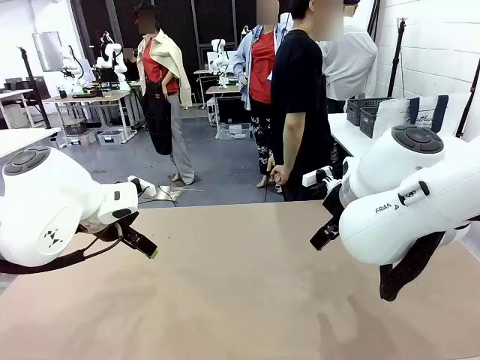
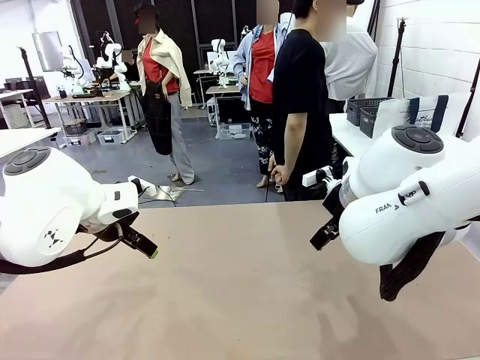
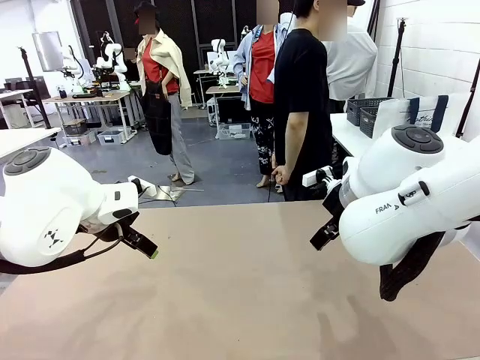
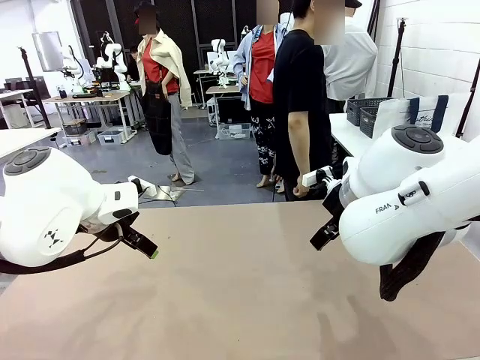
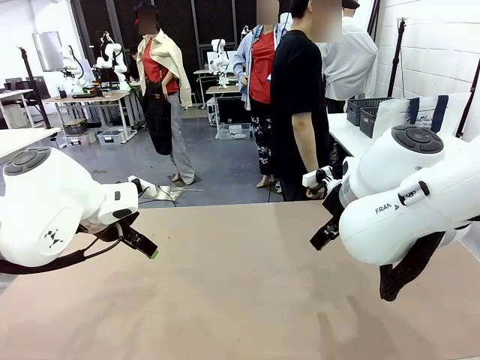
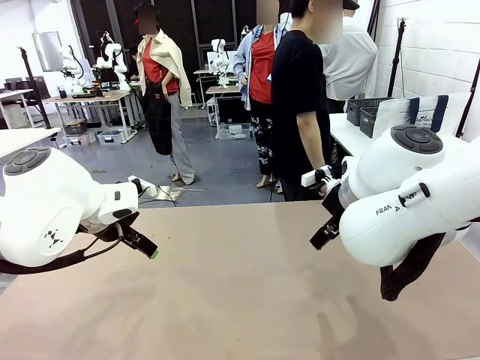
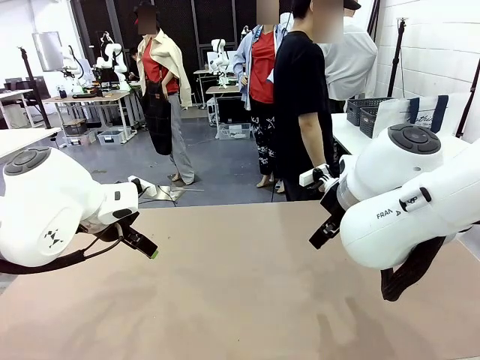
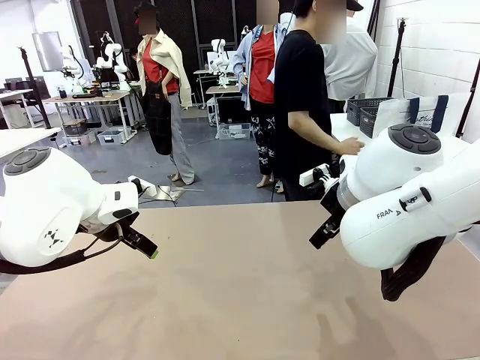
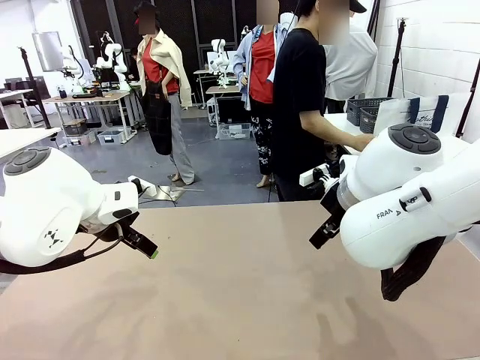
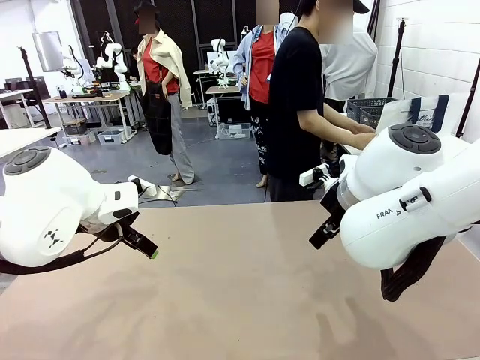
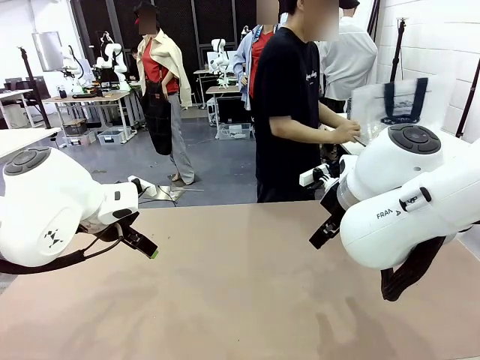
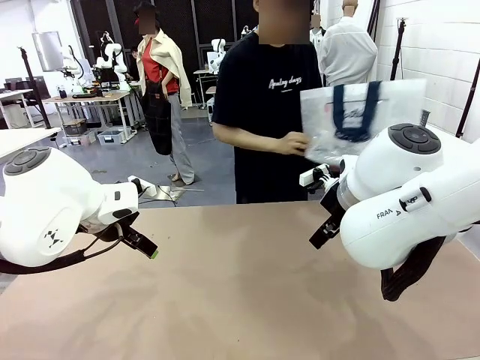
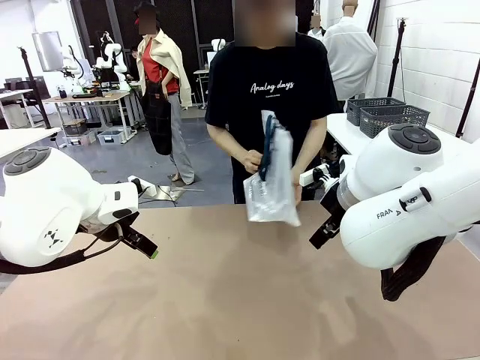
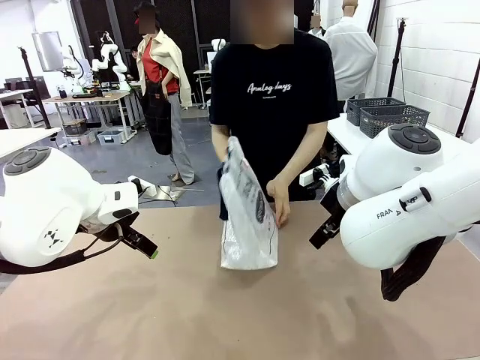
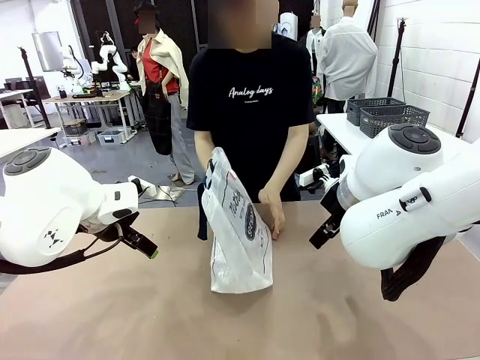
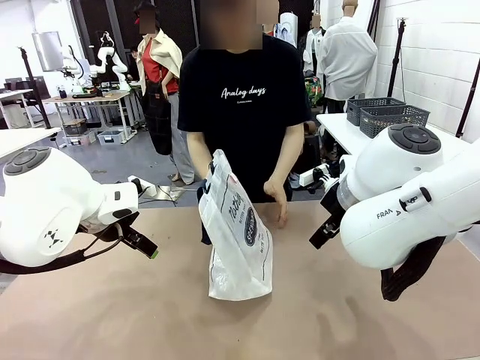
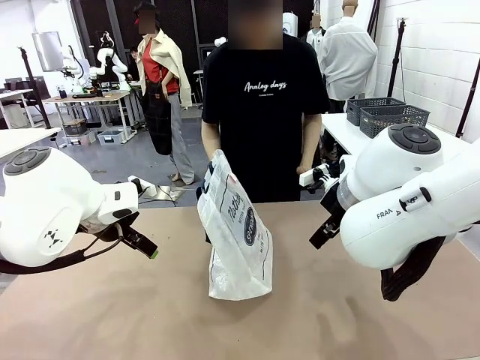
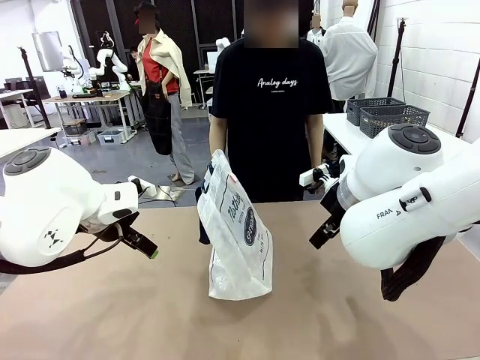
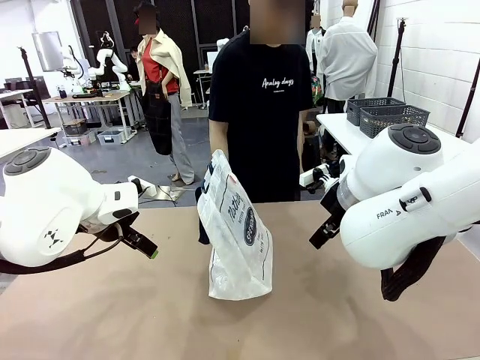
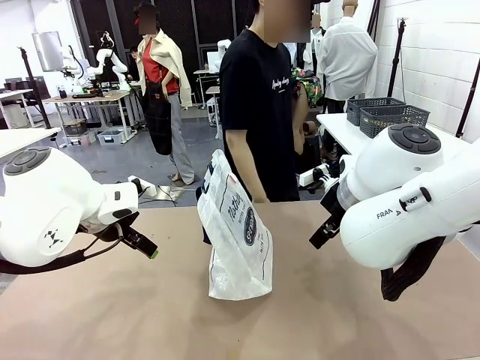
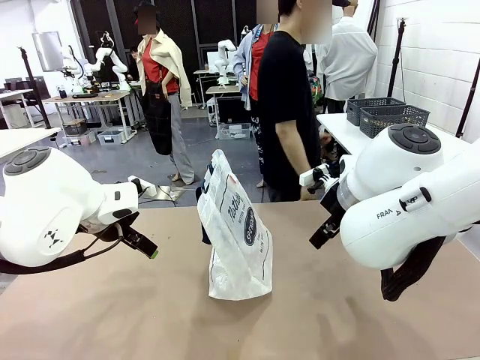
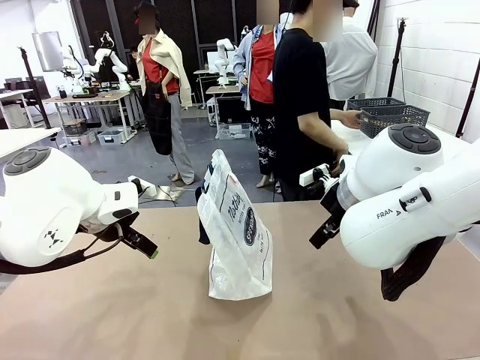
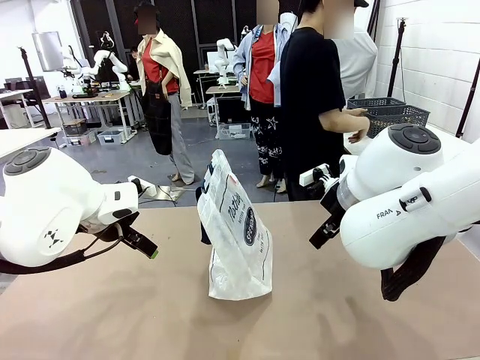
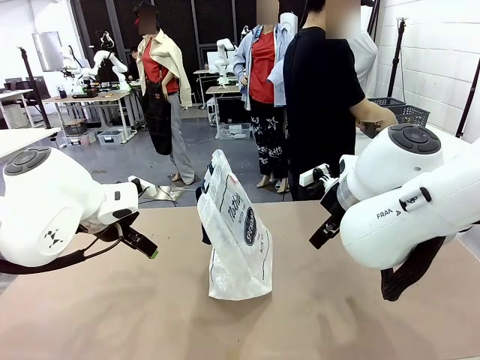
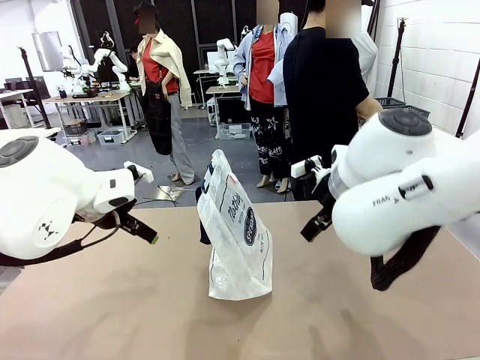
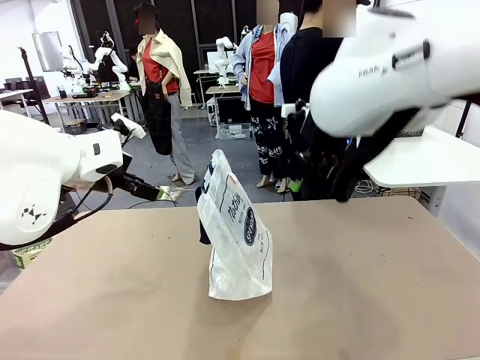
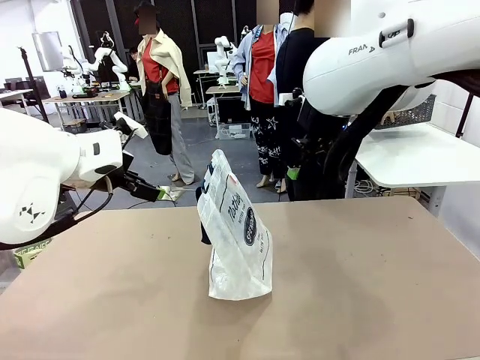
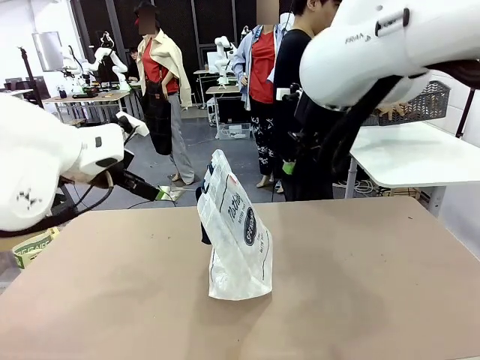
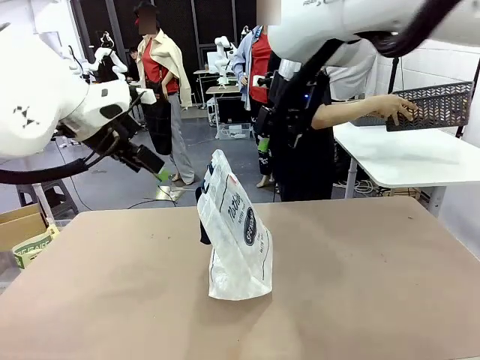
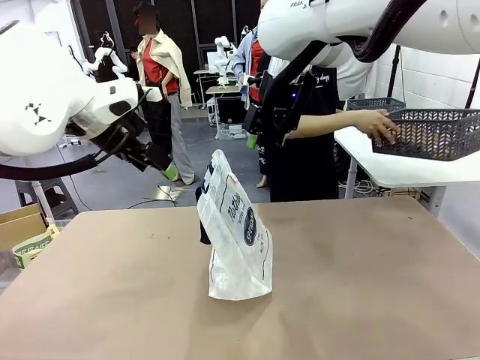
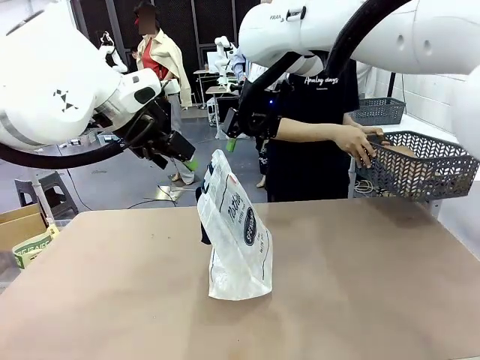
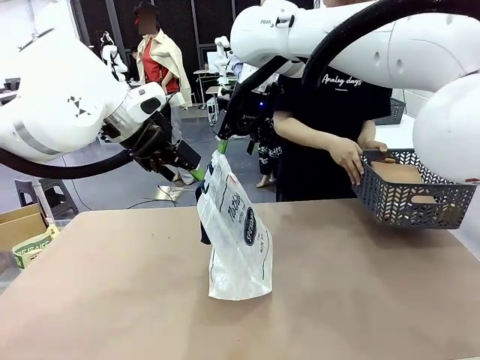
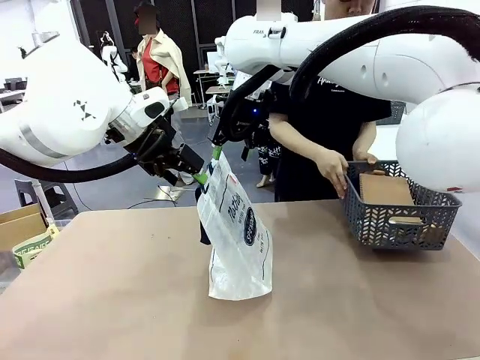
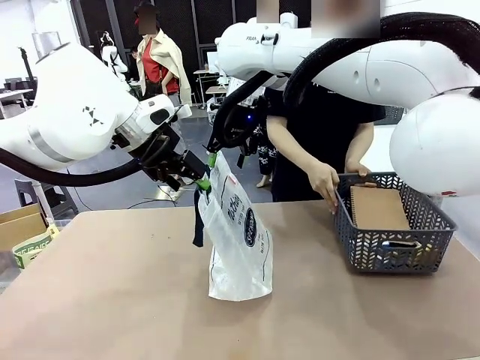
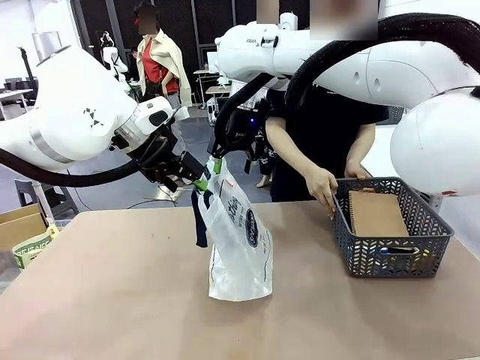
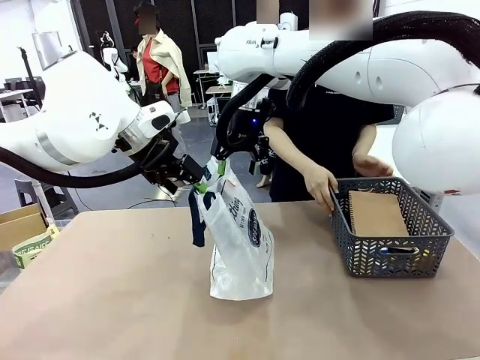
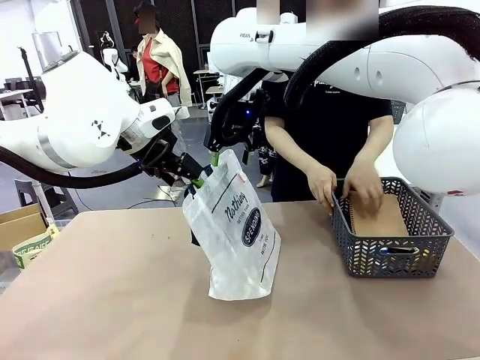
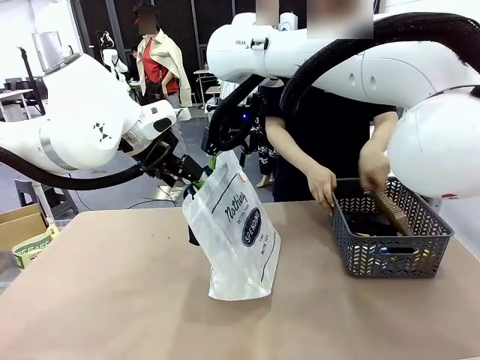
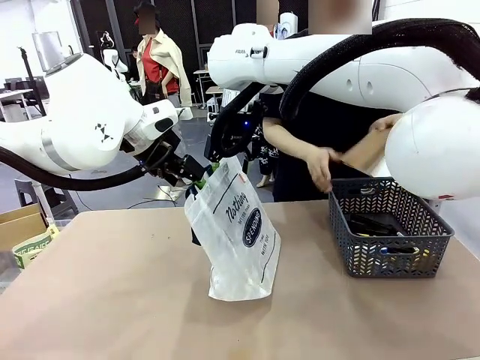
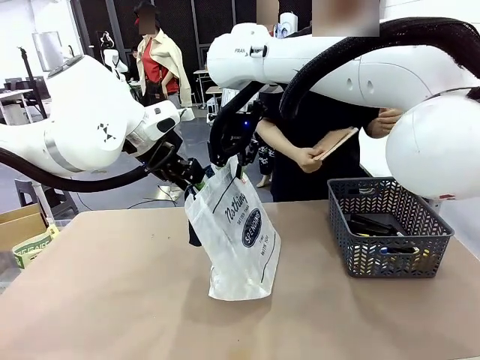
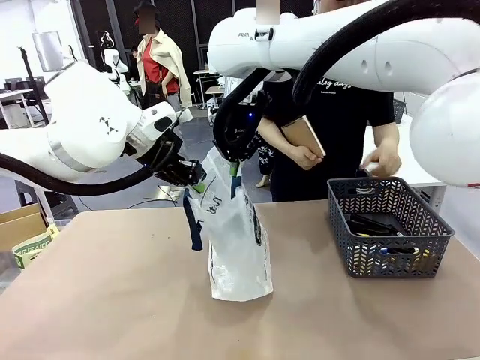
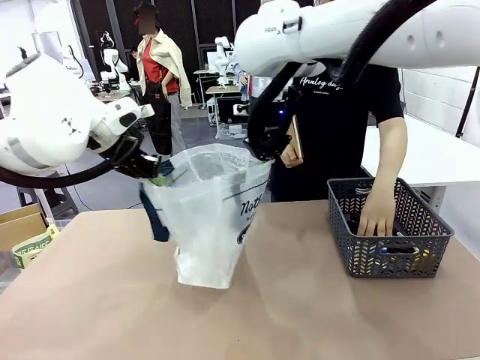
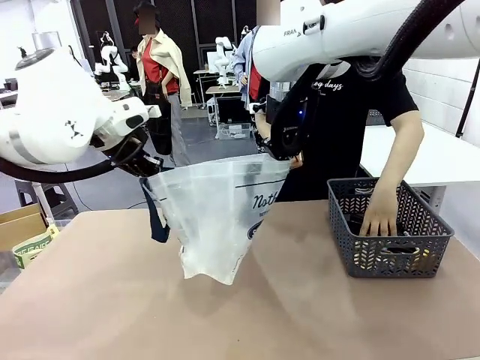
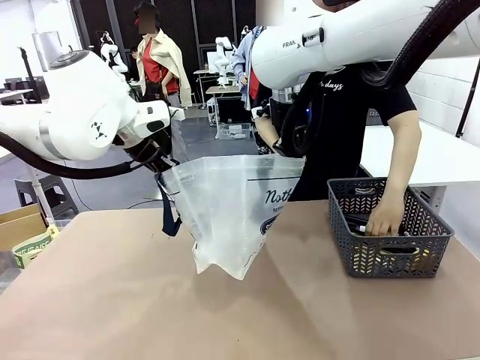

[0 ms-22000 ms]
Task: Transfer purchased items from the store into the shopping bag.
Robot: Open the Reusable shopping bag in the center of the table.
Person: Pick up the shopping bag and place it in the middle of the robot table.
